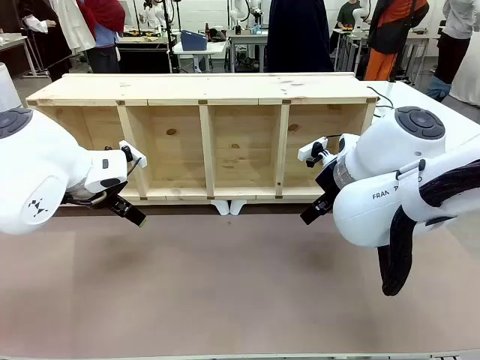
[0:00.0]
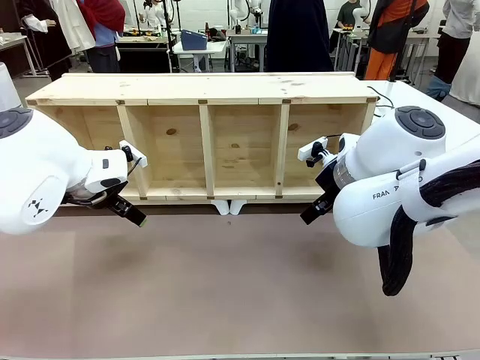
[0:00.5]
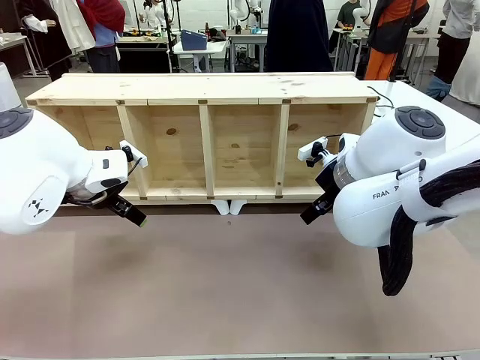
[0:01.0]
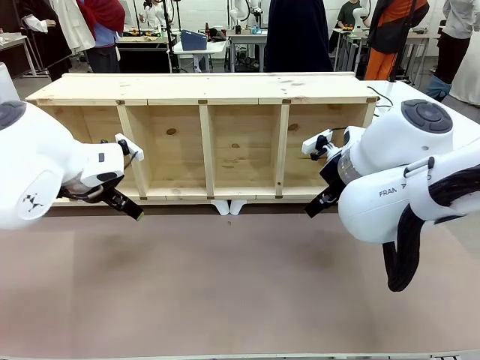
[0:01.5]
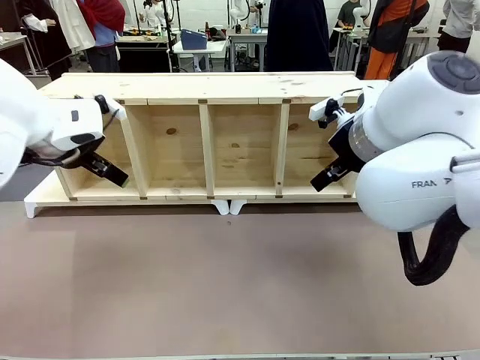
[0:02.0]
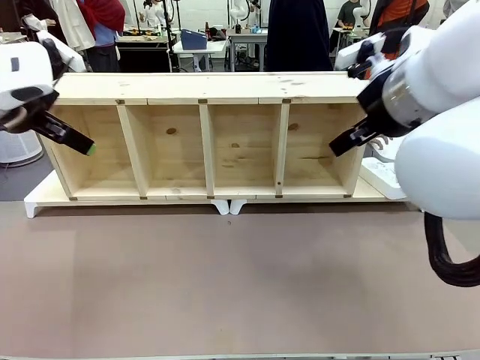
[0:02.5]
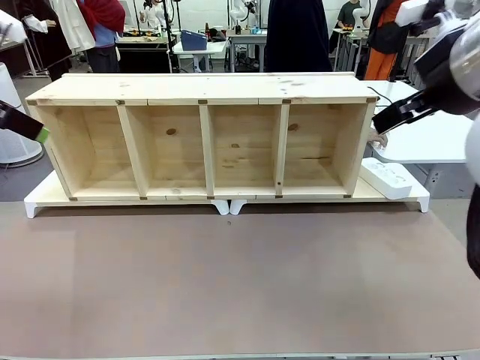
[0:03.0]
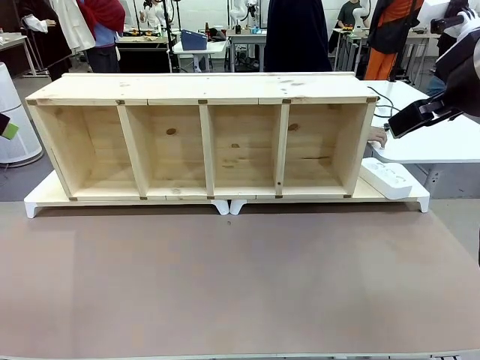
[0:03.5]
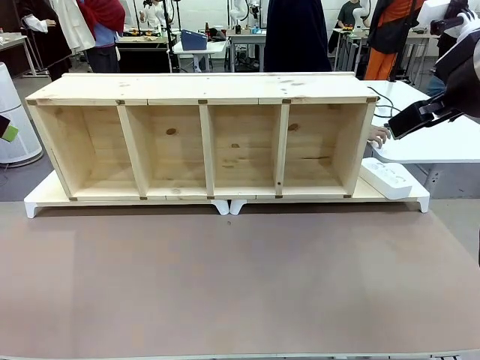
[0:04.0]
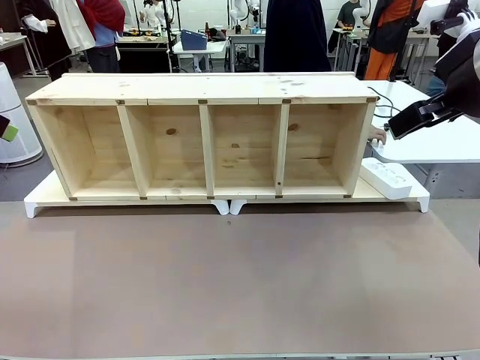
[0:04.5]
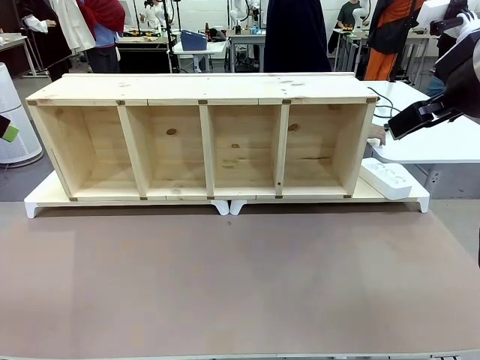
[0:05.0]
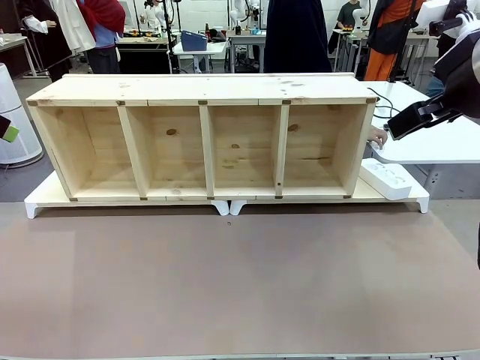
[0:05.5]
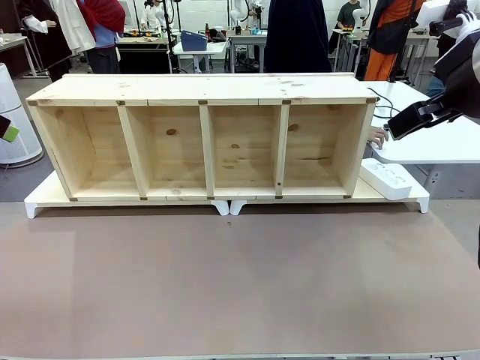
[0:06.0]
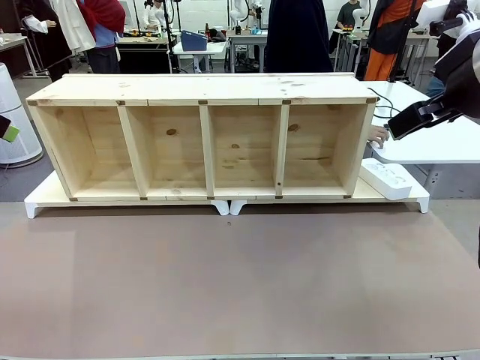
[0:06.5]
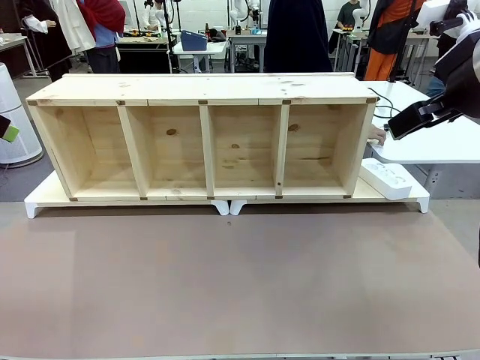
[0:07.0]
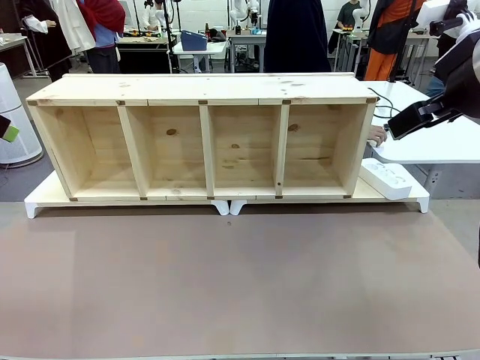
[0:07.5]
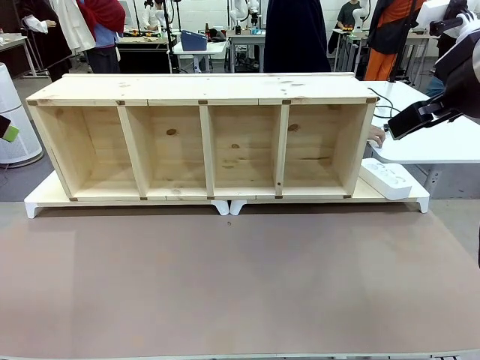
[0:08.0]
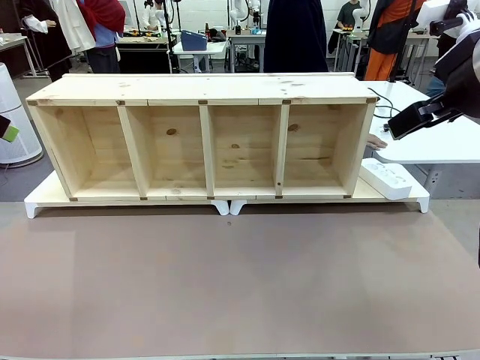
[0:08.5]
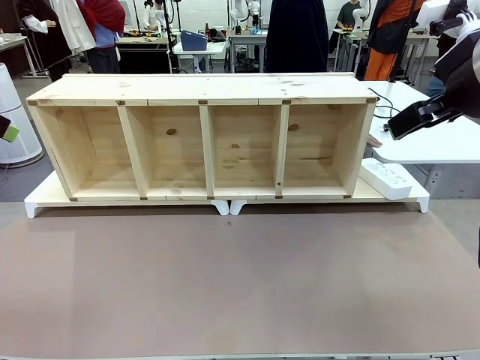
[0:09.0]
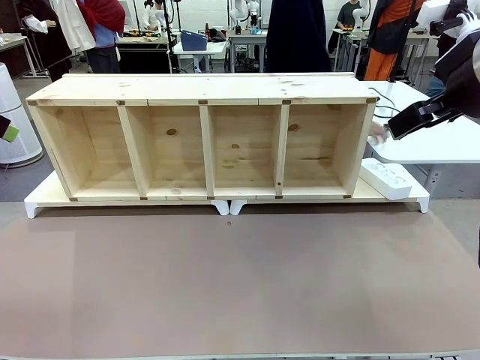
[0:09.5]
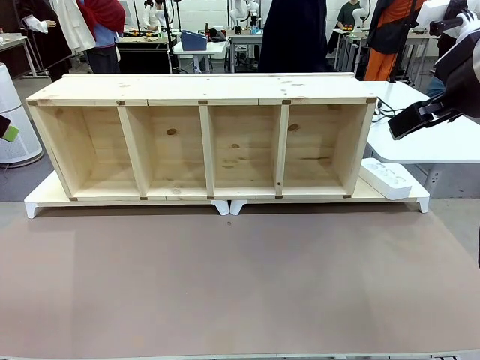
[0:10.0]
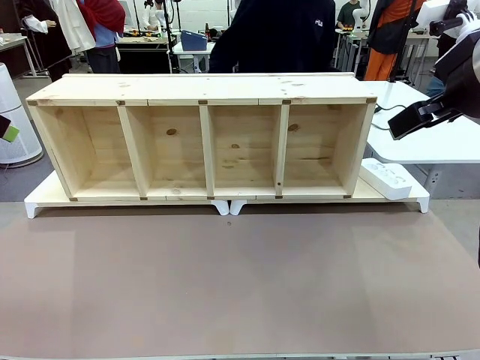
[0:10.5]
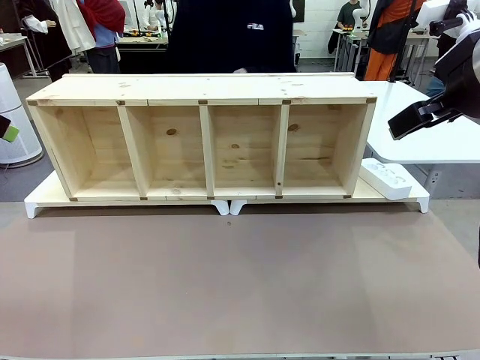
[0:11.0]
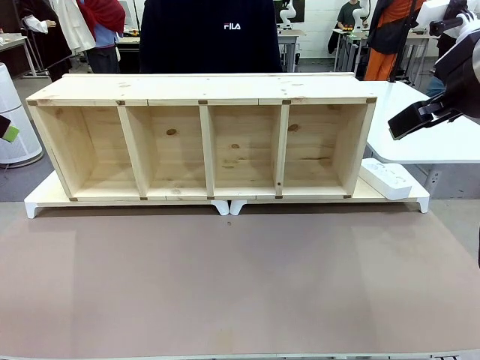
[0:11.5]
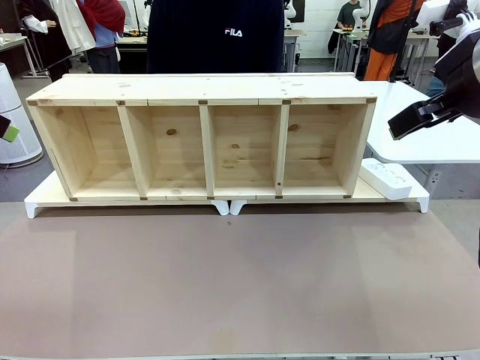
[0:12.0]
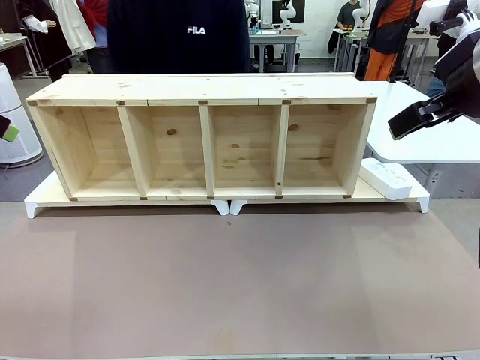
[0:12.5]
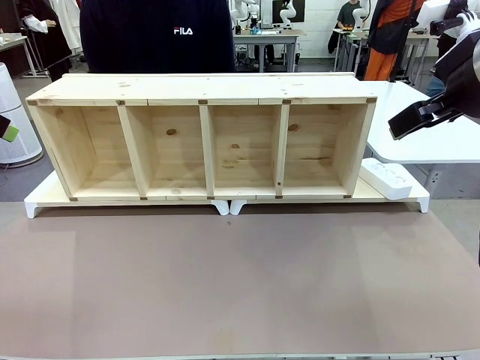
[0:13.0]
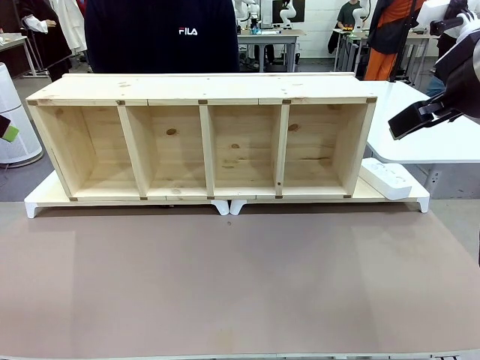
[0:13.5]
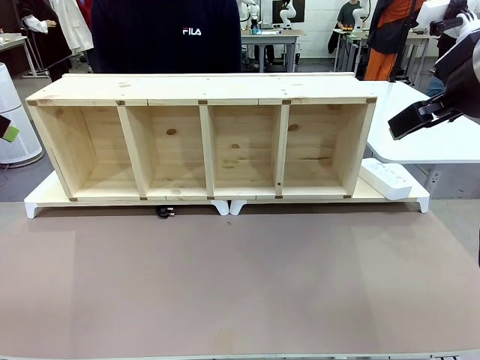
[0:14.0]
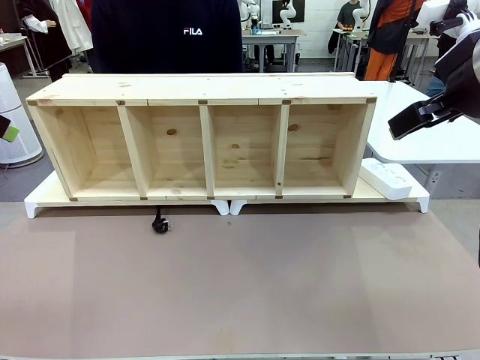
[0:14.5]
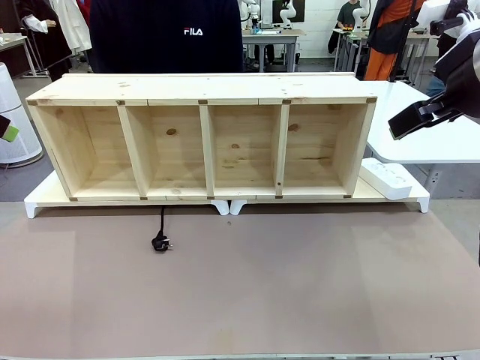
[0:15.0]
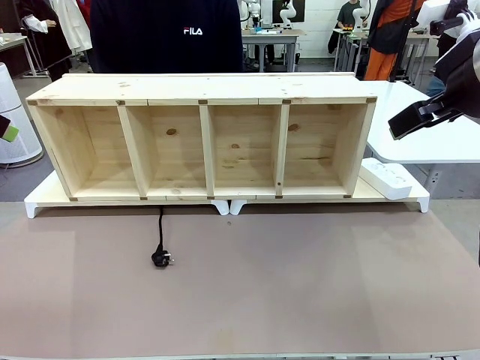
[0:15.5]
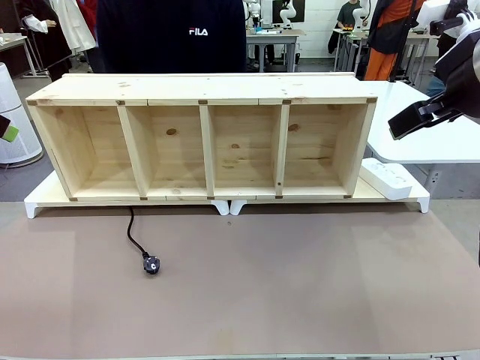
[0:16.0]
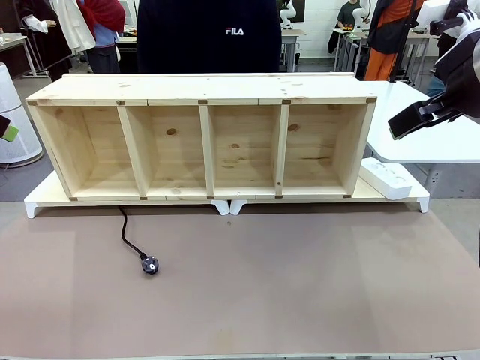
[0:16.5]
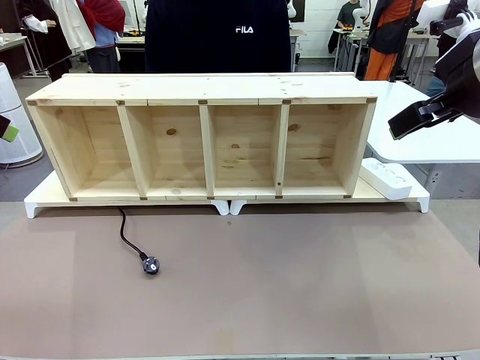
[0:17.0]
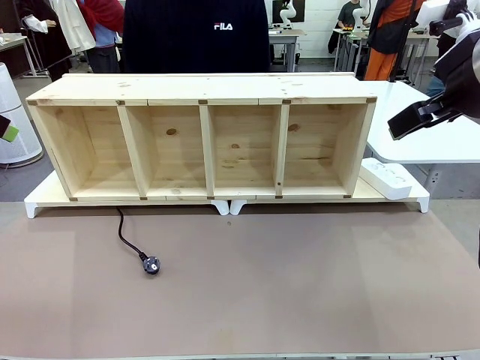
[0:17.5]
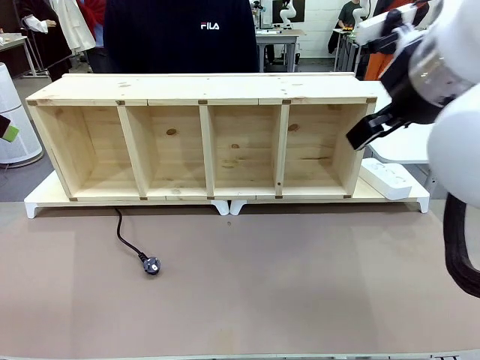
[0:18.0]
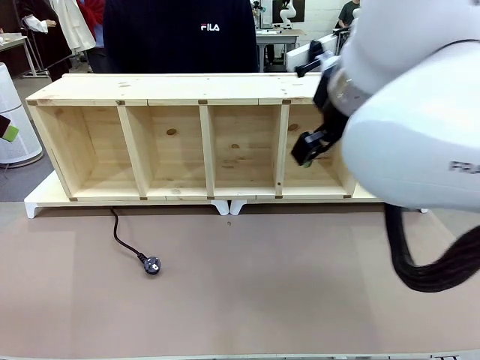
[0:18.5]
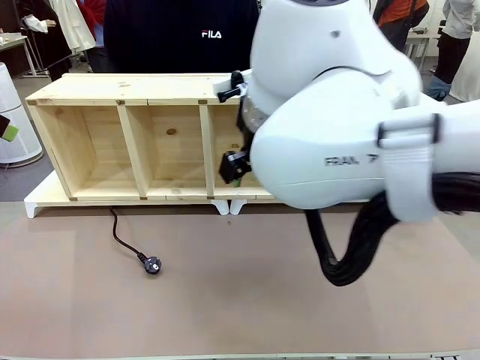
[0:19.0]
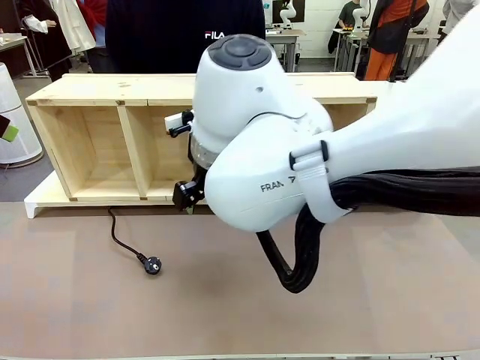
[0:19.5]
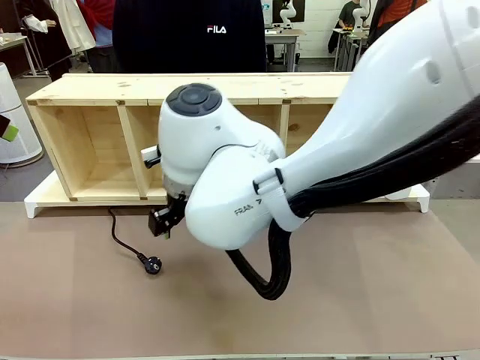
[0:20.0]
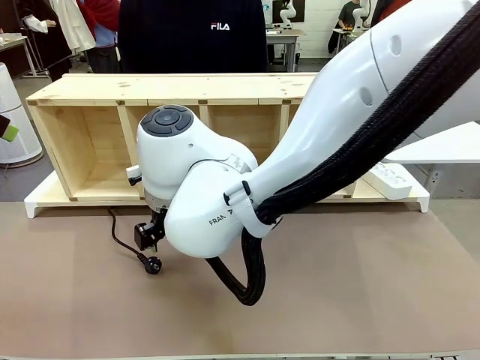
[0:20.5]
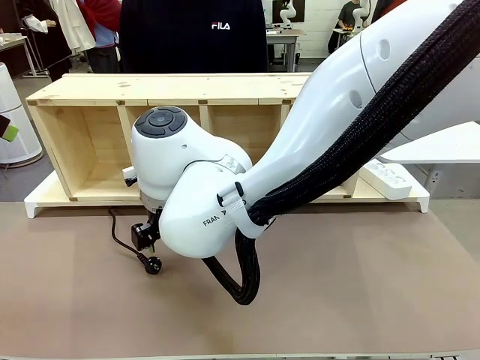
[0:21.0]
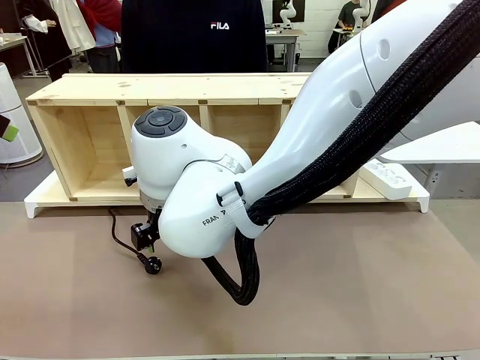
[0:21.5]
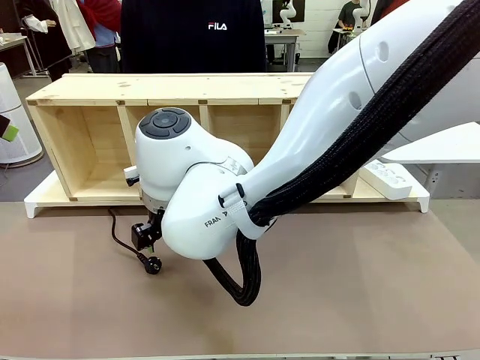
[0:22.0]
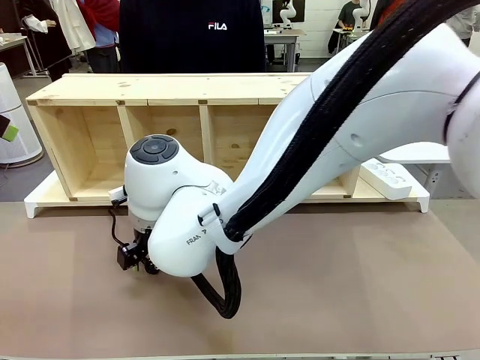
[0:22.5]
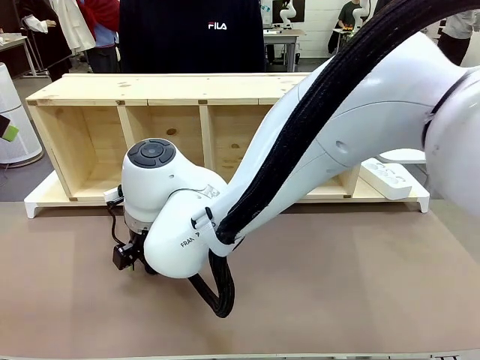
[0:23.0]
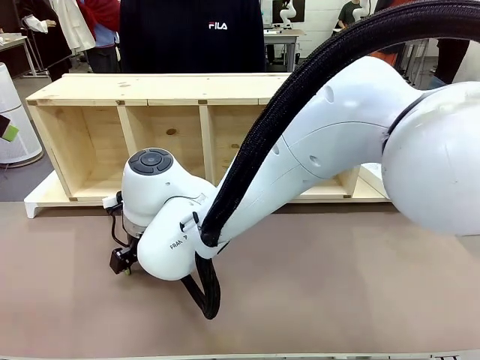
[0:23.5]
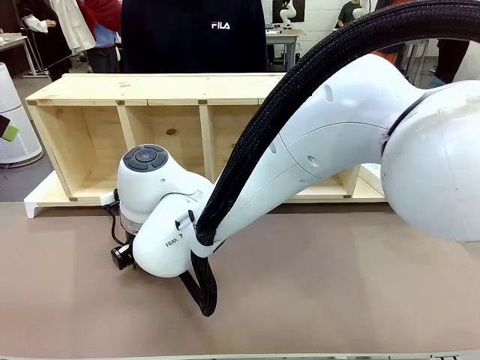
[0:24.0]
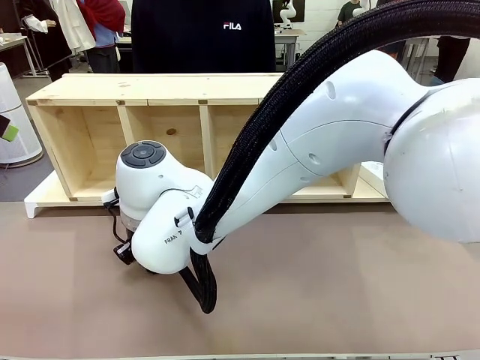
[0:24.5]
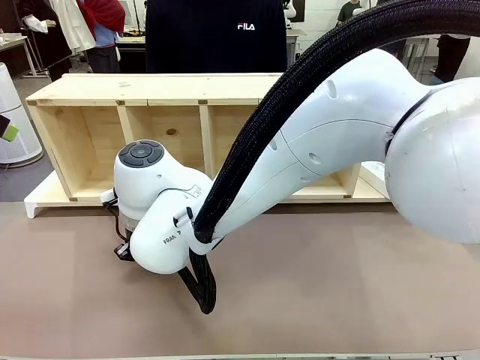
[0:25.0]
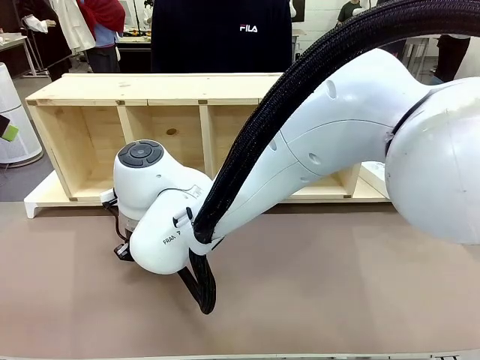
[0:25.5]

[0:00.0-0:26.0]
Task: Perform cable management.
Robot: When the cord part of the Power Cable appears at the lower middle area of the table and stops, grasp the cord part of the Power Cable.
Person: Pass the Power Cable under the Serving Table.
